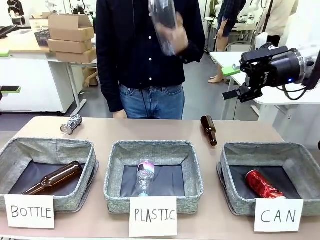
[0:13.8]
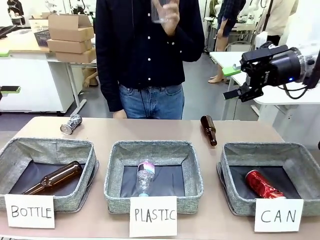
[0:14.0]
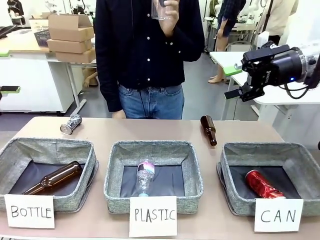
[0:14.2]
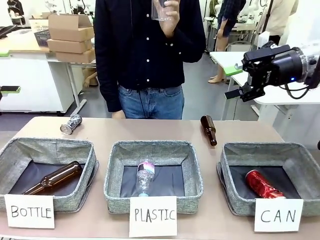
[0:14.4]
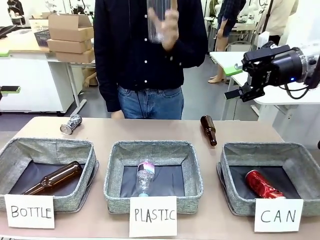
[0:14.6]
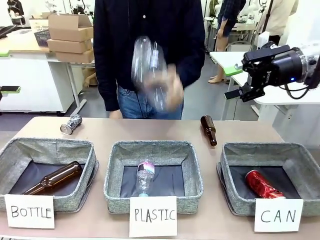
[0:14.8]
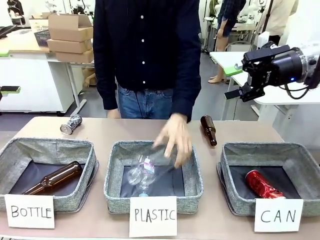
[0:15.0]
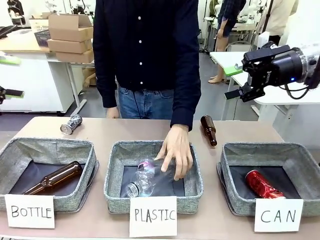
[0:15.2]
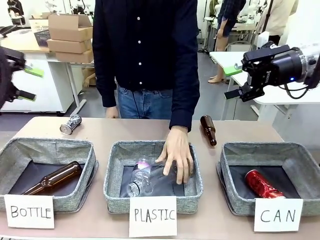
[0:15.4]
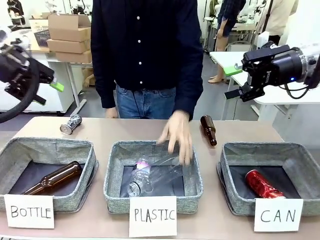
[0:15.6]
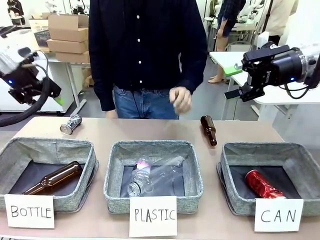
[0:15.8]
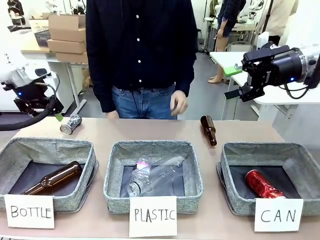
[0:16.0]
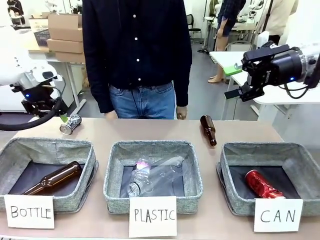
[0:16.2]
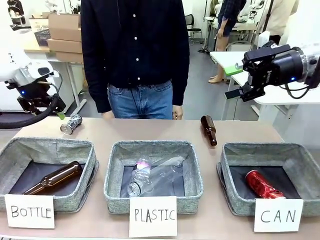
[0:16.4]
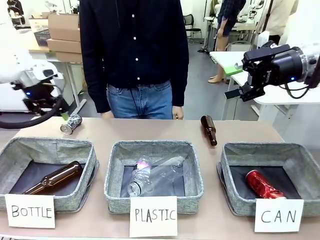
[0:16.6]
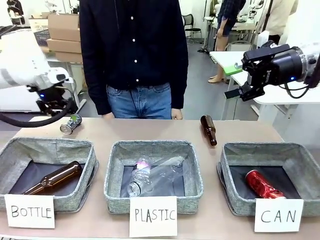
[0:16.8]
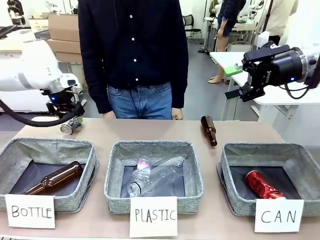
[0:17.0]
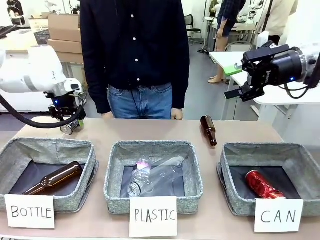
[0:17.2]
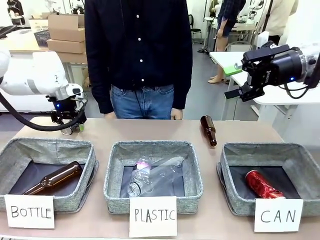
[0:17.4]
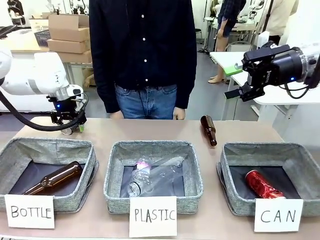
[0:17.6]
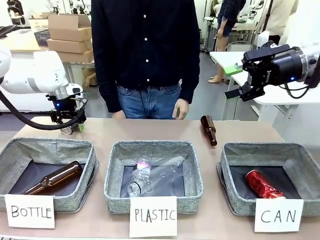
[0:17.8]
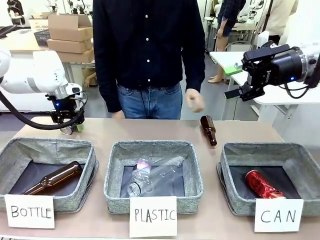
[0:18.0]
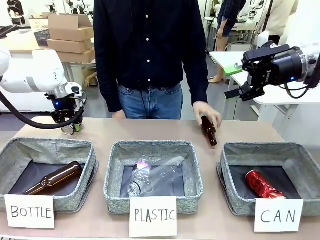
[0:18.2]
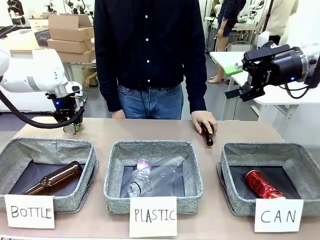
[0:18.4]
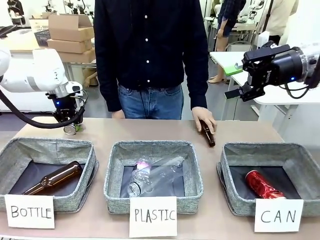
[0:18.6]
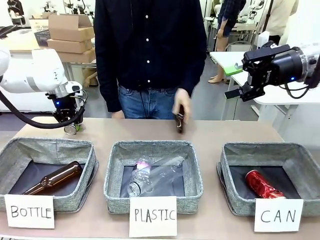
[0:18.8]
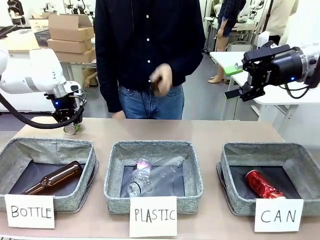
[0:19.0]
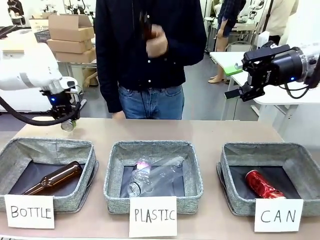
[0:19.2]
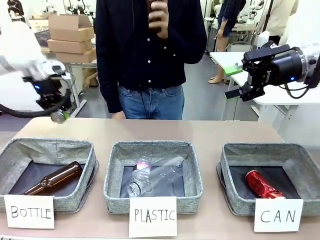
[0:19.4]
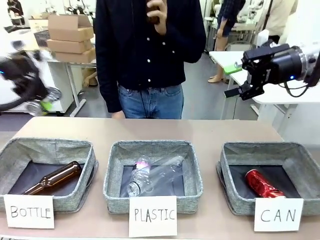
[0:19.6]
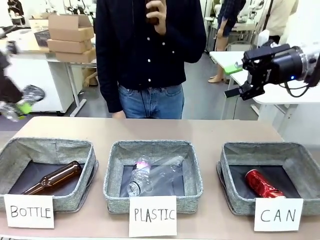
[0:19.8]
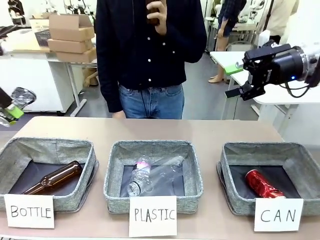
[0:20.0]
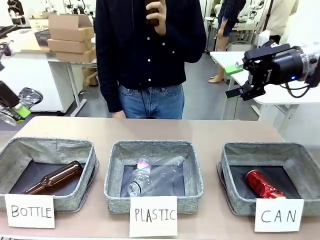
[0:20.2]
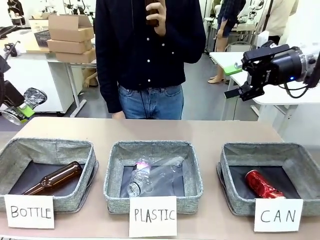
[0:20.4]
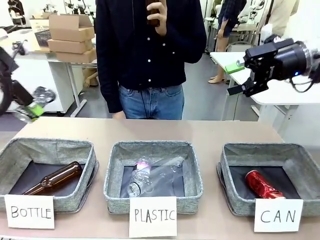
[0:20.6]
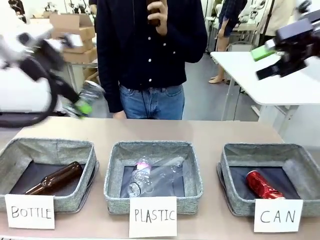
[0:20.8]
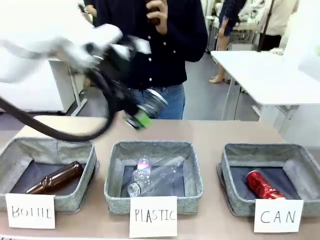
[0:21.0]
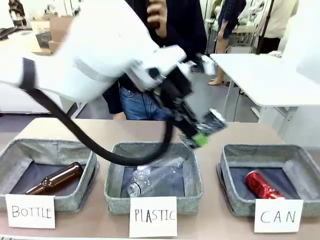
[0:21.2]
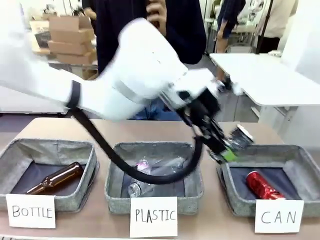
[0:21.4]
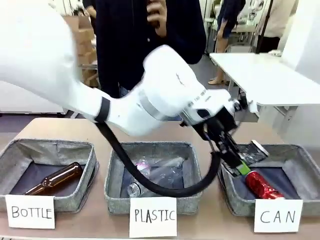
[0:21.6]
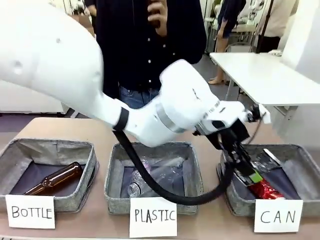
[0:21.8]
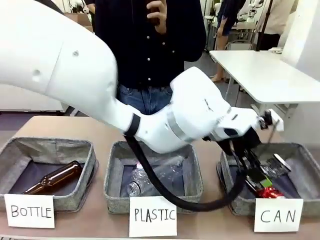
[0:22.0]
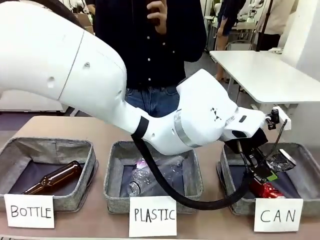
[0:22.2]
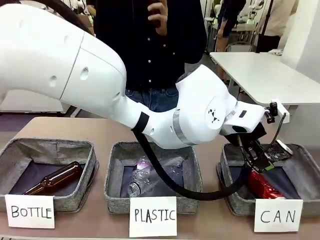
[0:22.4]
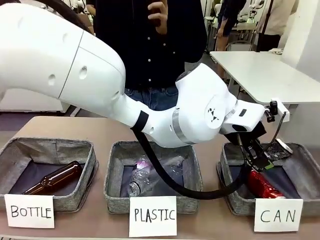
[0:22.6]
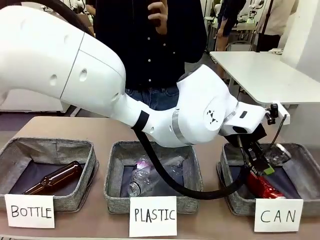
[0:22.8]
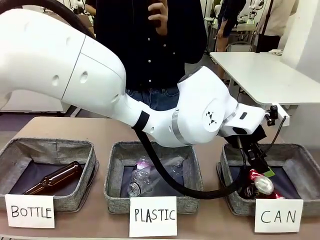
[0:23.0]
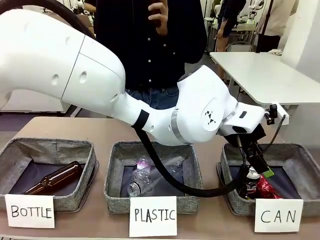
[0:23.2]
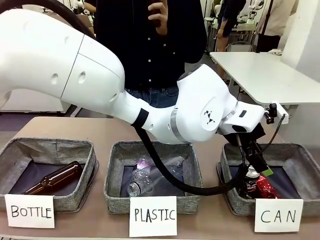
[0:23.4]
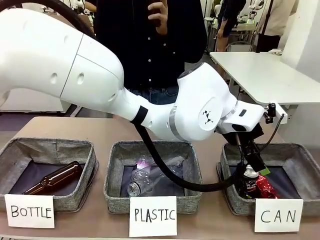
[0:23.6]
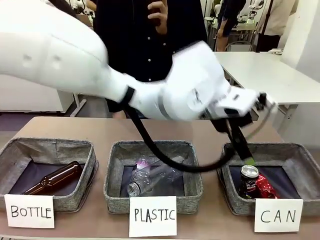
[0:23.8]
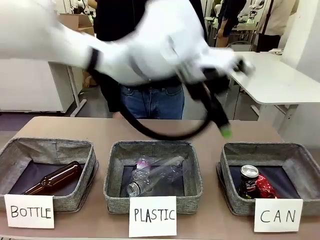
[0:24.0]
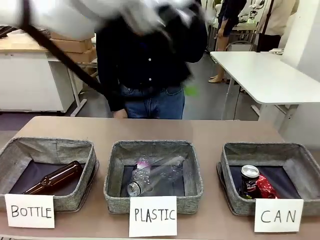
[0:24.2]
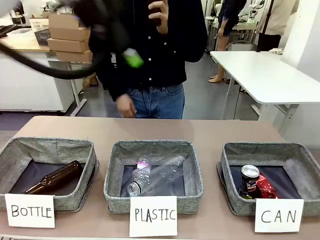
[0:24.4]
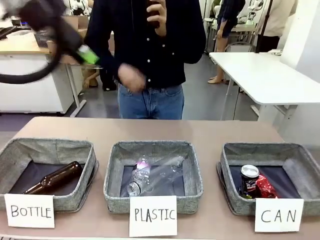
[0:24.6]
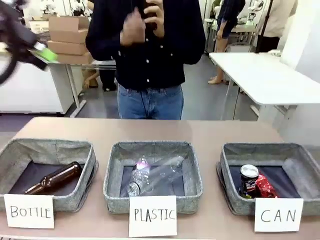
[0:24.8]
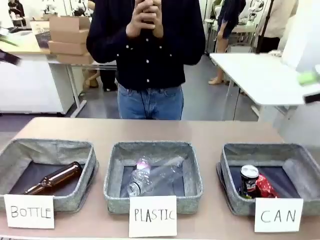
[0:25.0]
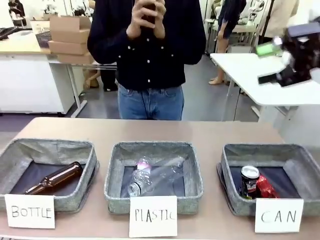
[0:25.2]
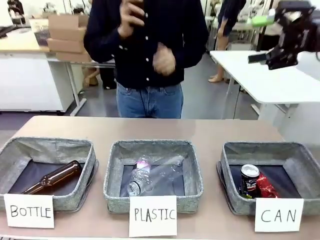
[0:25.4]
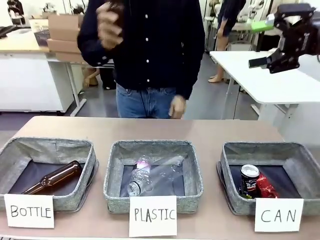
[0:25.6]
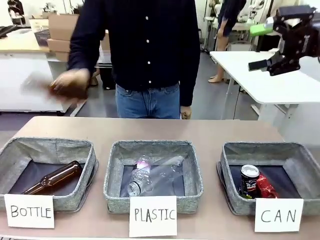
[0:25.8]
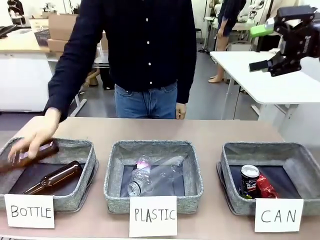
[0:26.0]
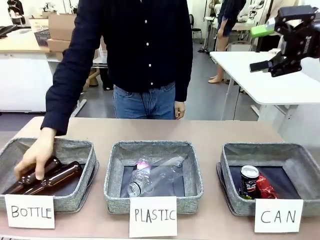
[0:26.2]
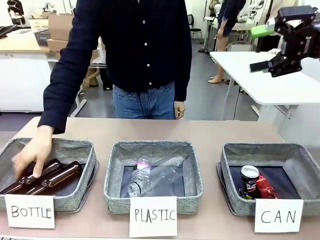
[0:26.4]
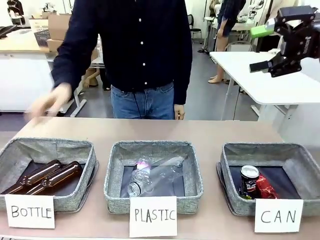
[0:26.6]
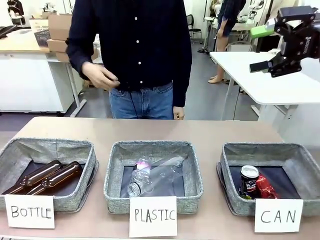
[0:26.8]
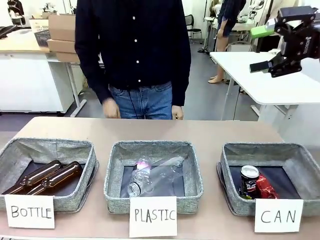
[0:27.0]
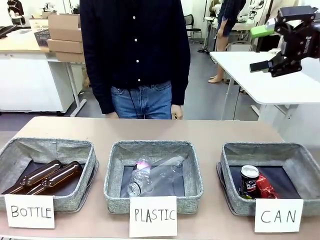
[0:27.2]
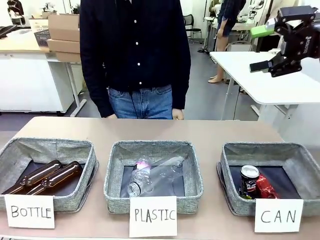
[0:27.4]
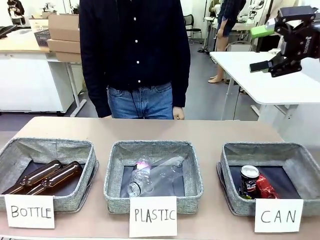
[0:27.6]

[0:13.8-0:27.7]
Task: Sort the can waste into the basket.
Robot: Pick up the can waste from the table and place it in the right Fabric basket.
Person: The human picks up one piece of trash that is not a can and places the trash into the appropriate organizing basket.
